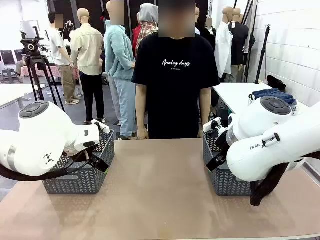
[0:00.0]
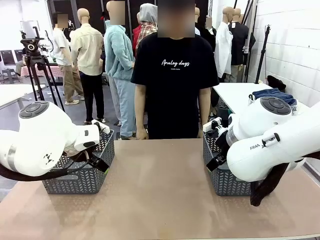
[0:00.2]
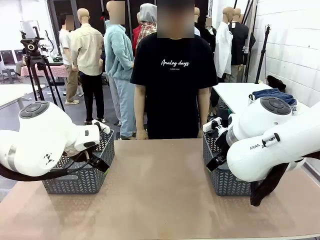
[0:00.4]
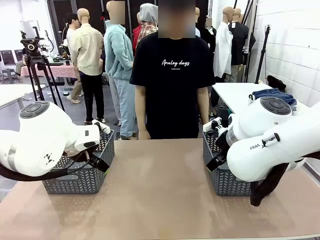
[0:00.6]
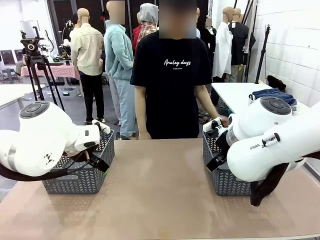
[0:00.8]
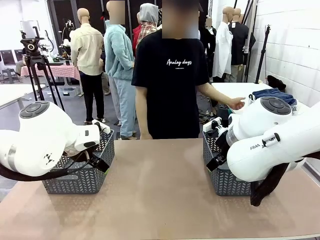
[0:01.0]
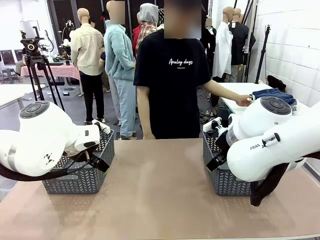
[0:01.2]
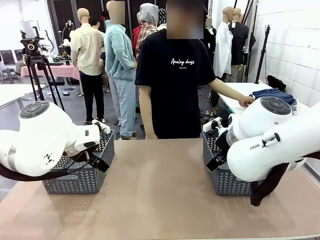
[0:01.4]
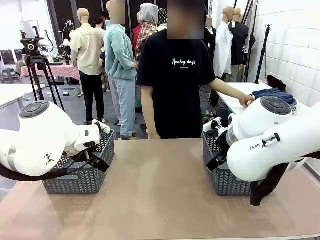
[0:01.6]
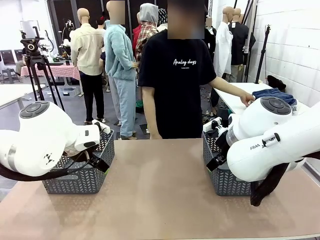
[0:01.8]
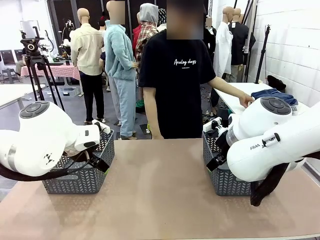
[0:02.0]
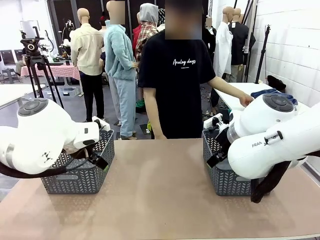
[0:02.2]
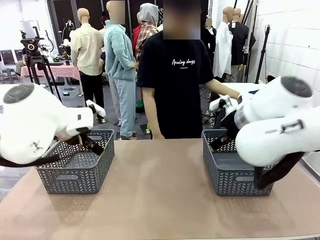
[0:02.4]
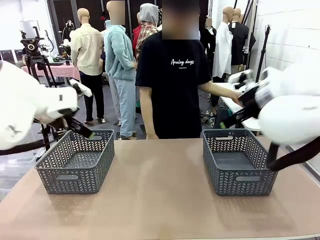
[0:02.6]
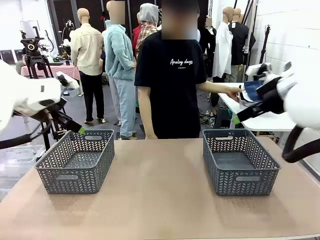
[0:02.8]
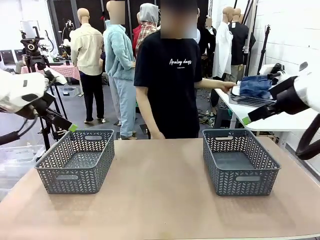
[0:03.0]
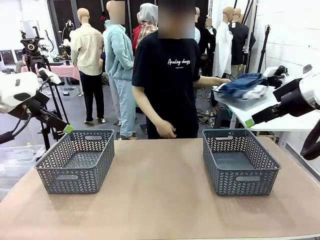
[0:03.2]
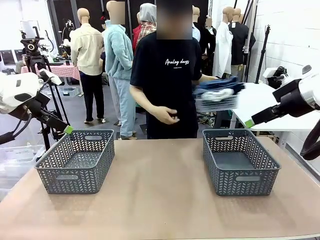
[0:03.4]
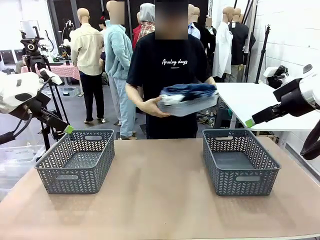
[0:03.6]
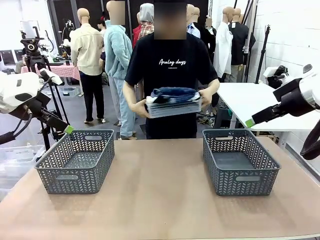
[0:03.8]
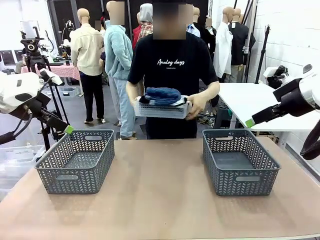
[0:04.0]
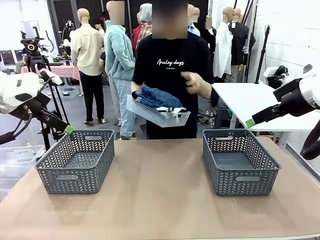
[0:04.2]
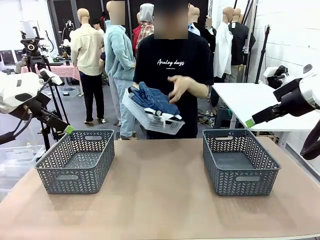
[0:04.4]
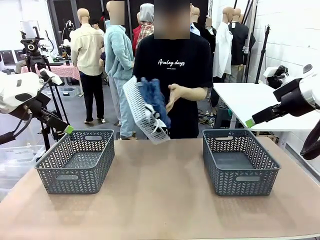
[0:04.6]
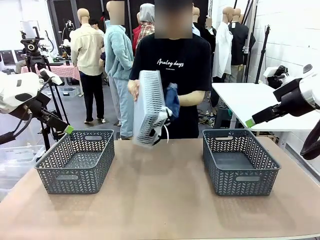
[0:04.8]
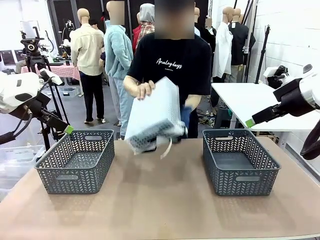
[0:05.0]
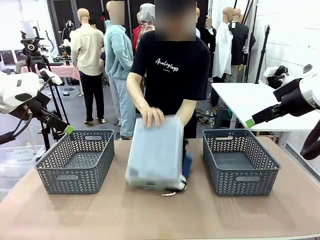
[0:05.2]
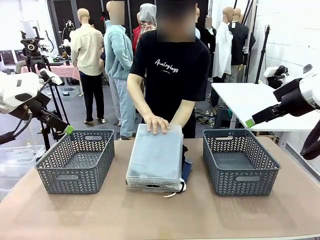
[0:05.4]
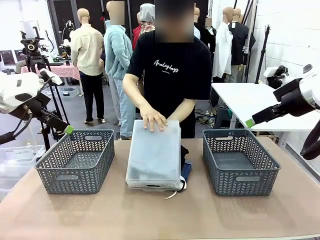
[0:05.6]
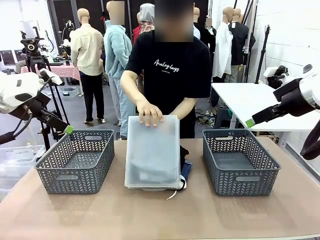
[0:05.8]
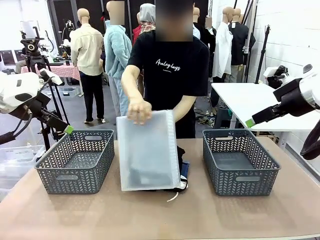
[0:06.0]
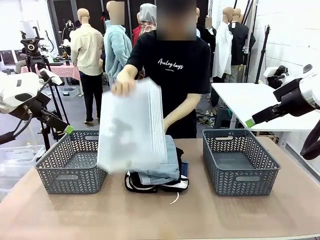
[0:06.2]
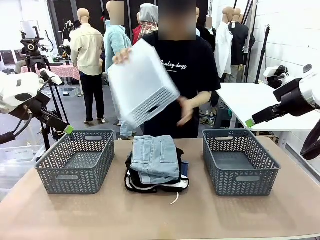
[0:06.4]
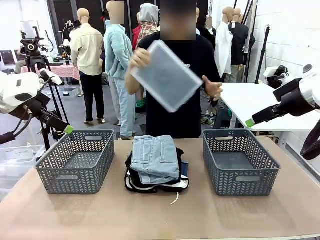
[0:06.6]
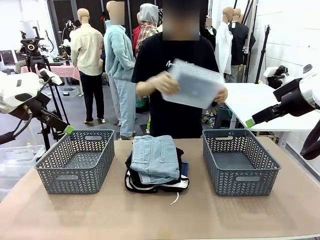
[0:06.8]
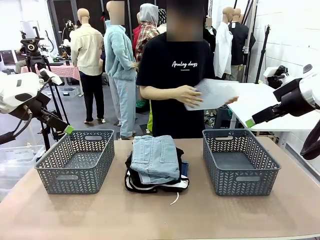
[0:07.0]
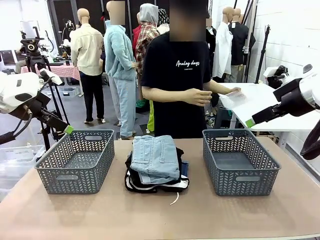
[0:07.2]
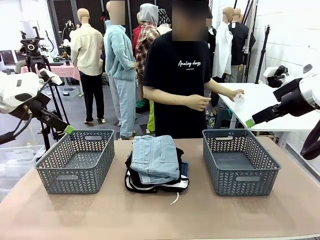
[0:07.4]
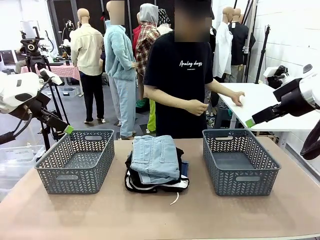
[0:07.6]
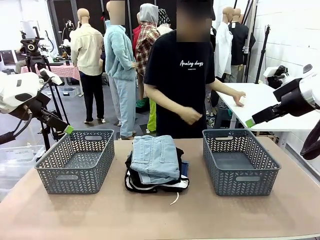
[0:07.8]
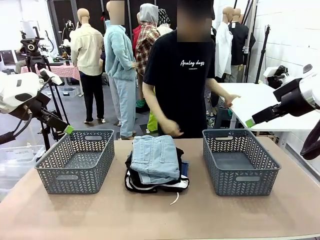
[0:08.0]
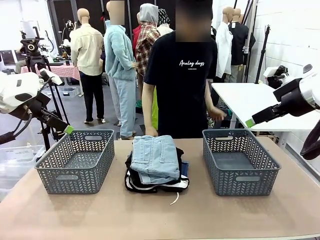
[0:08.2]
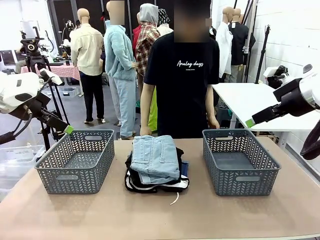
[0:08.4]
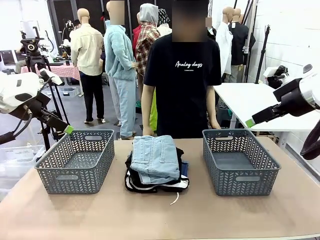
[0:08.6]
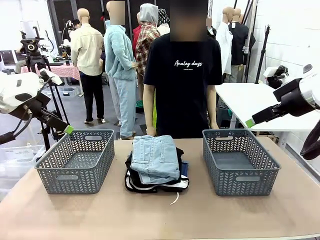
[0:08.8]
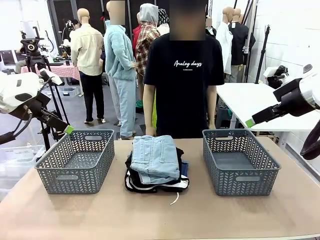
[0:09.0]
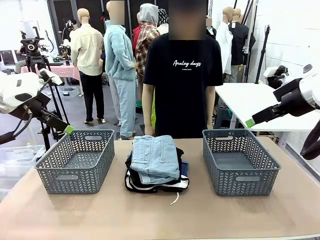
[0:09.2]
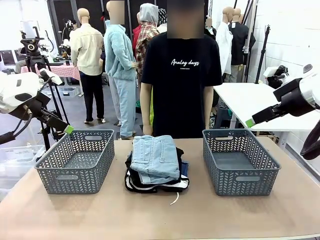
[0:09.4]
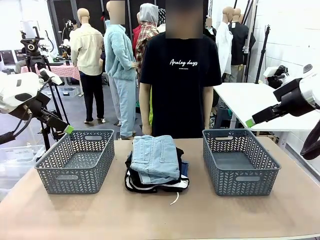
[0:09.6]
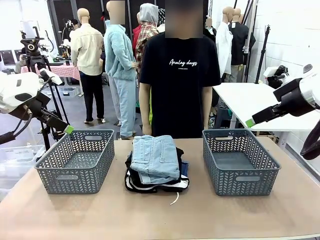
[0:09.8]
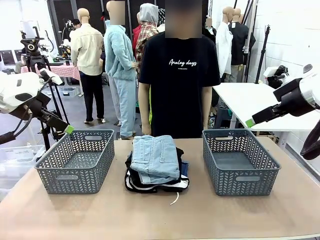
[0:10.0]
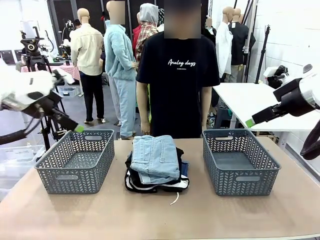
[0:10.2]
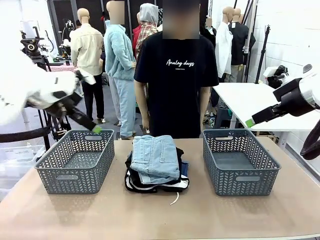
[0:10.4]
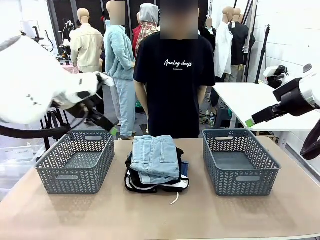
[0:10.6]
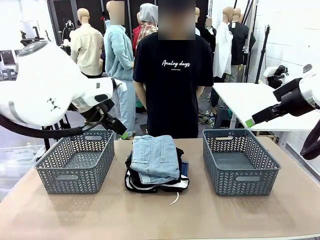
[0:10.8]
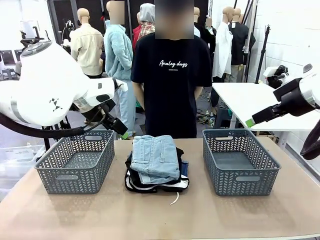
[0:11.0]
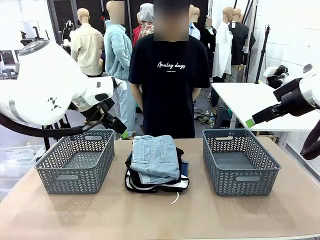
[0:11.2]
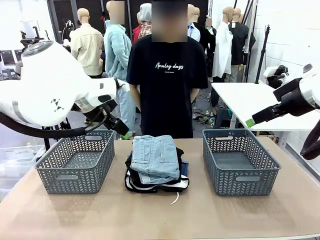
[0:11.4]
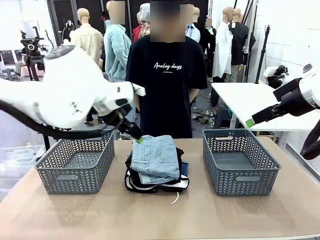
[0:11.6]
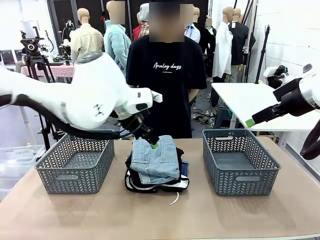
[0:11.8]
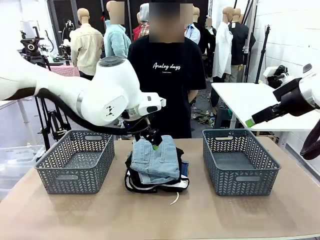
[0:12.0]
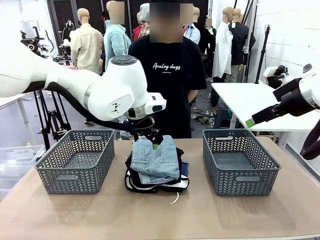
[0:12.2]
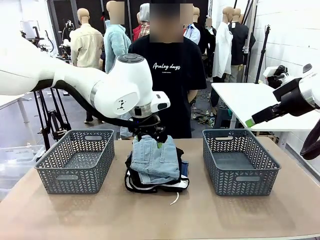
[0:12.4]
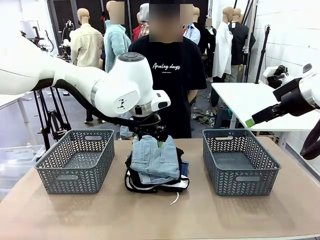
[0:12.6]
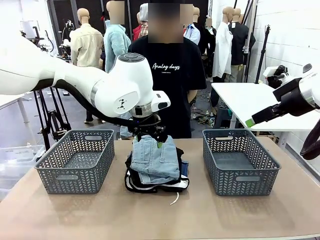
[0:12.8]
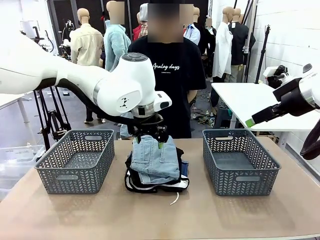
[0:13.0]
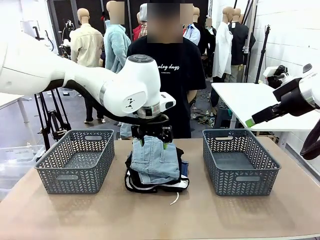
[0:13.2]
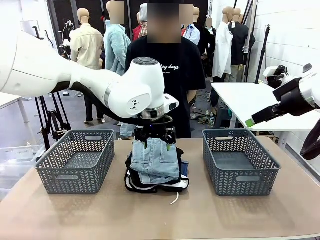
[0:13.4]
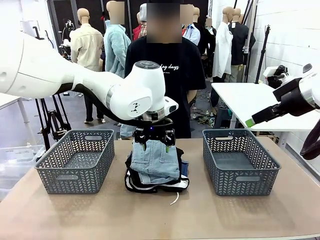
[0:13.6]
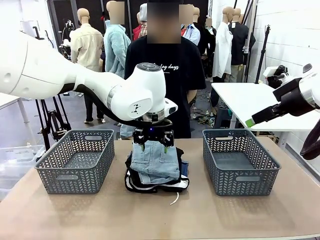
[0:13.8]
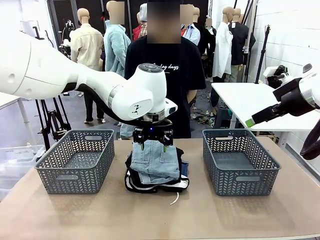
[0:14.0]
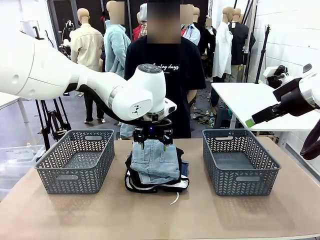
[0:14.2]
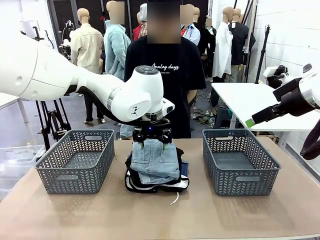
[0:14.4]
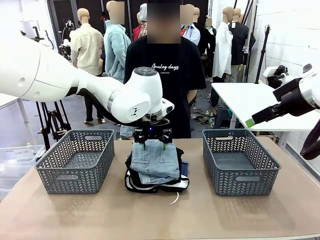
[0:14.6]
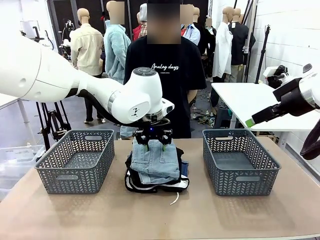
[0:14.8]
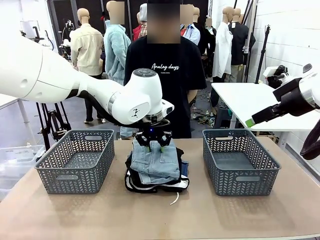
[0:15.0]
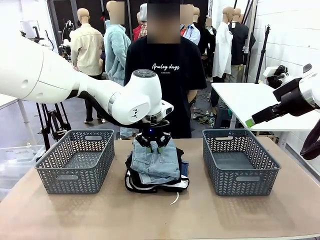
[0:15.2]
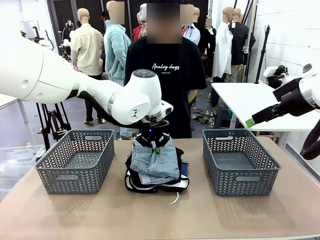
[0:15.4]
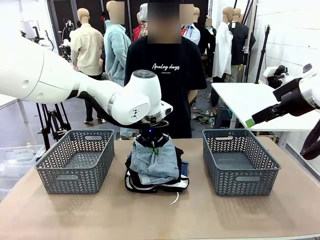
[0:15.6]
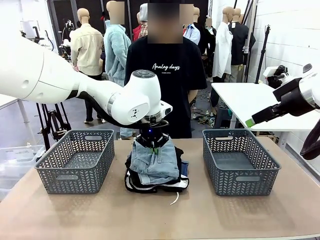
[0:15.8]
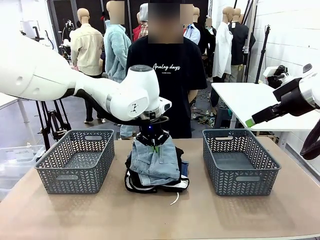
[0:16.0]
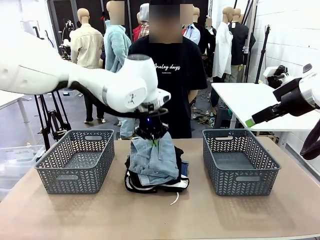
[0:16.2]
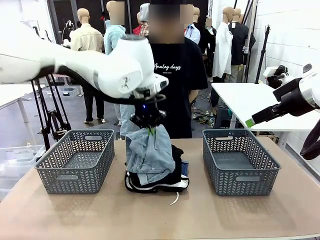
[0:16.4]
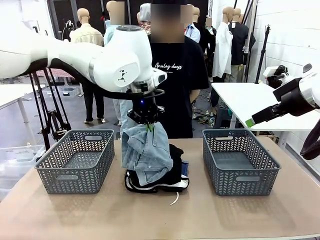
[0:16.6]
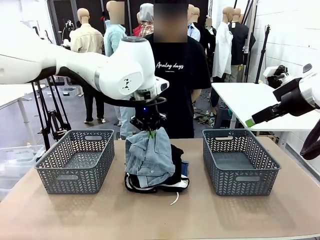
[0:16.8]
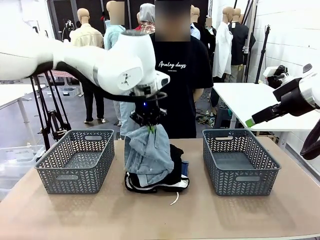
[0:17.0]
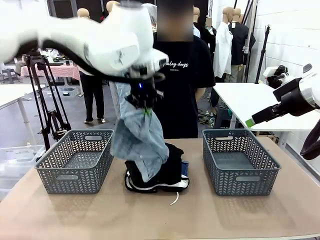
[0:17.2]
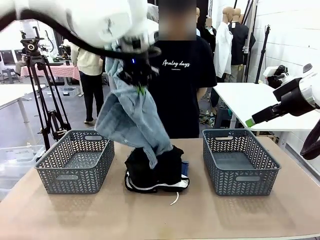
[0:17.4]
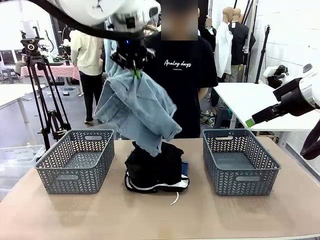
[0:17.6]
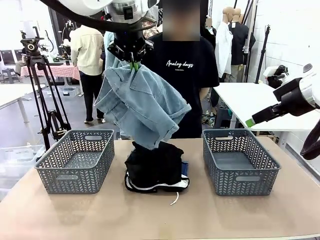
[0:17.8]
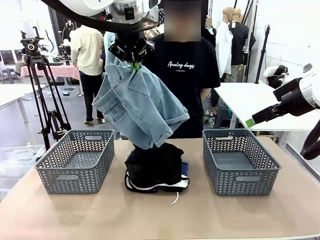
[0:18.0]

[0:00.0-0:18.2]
Task: Sort the tops and bottoms.
Robot: Lift clothes from the center of the table with your left hand.
Person: Pour the clothes from the basket onto the center of the robot table.
